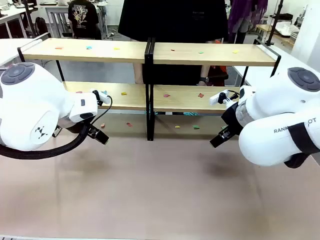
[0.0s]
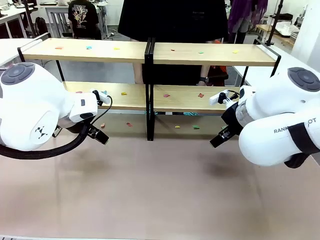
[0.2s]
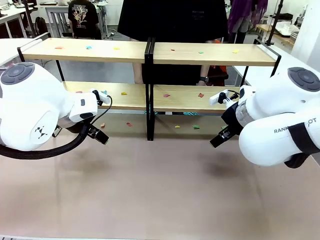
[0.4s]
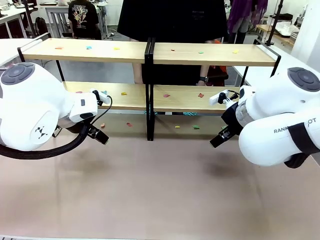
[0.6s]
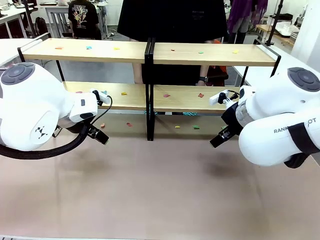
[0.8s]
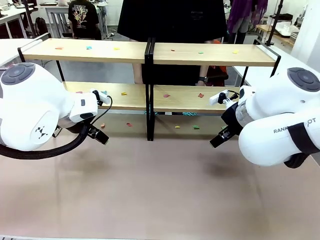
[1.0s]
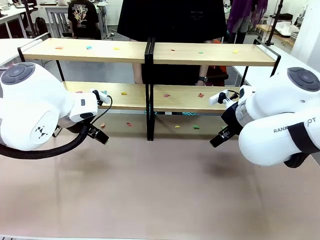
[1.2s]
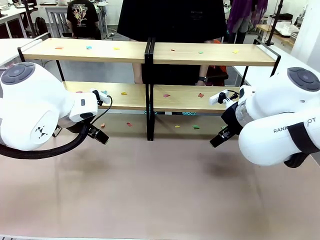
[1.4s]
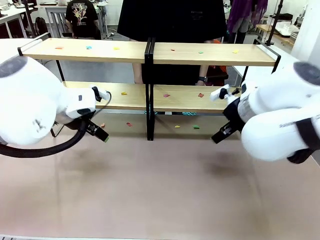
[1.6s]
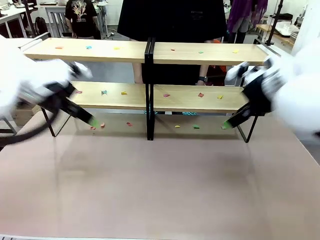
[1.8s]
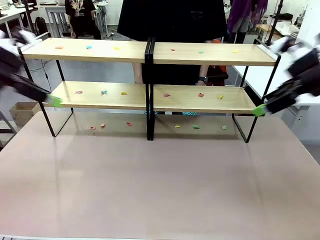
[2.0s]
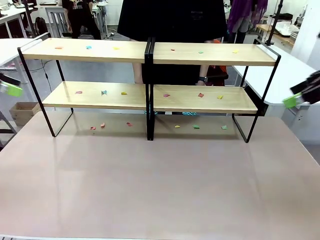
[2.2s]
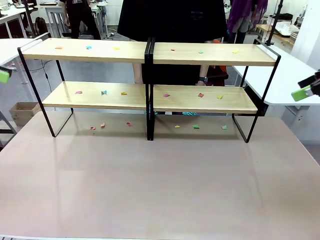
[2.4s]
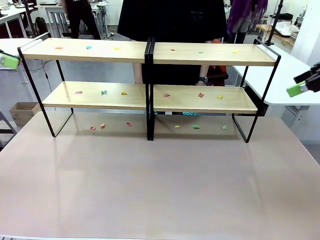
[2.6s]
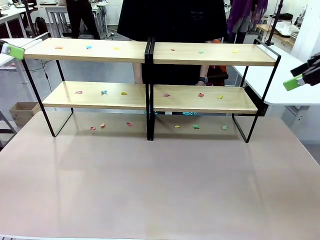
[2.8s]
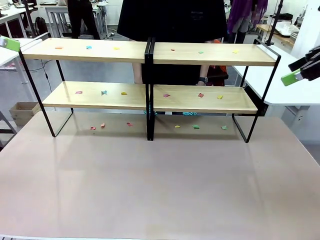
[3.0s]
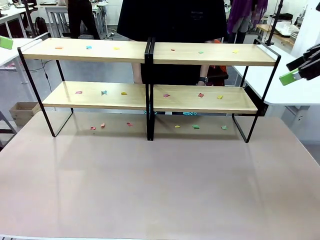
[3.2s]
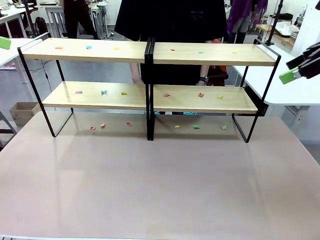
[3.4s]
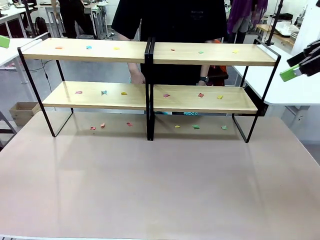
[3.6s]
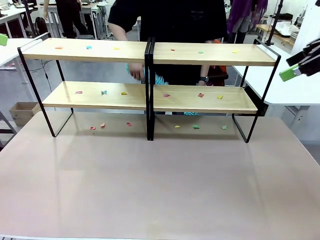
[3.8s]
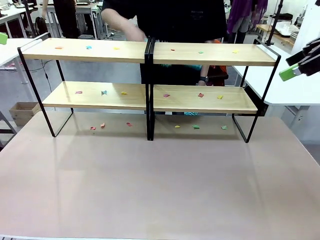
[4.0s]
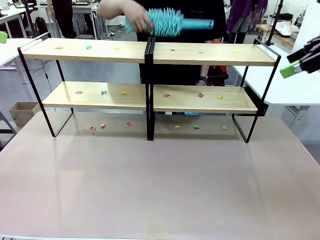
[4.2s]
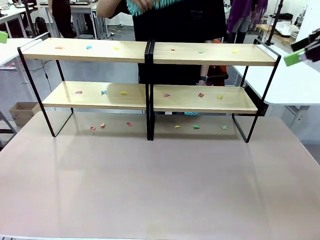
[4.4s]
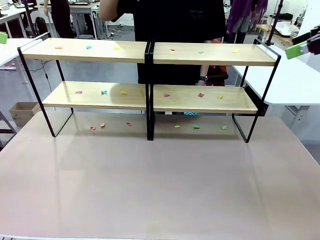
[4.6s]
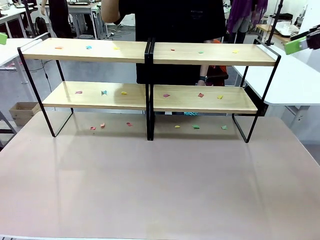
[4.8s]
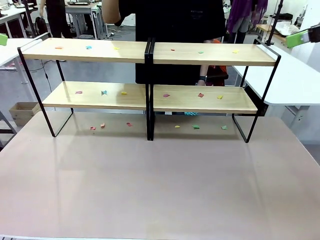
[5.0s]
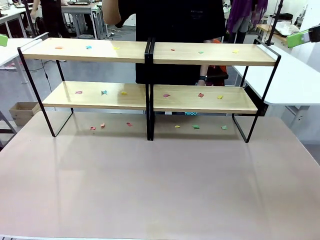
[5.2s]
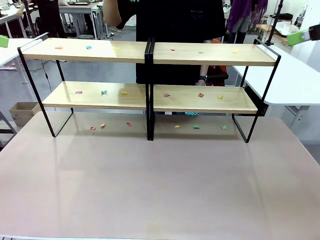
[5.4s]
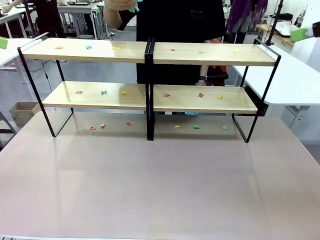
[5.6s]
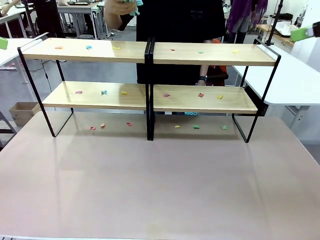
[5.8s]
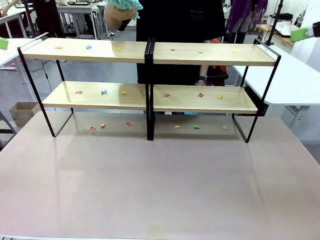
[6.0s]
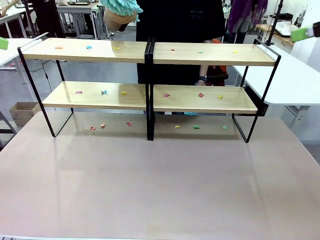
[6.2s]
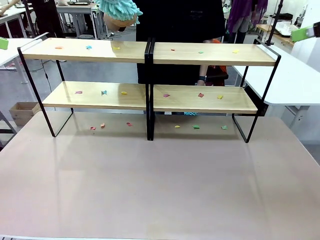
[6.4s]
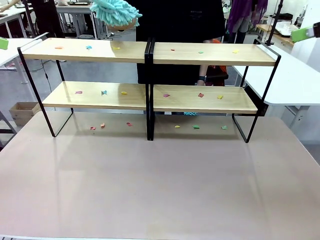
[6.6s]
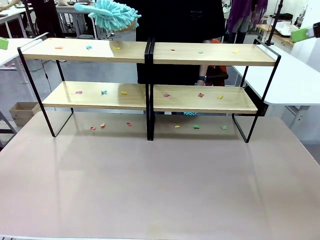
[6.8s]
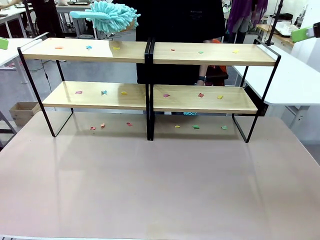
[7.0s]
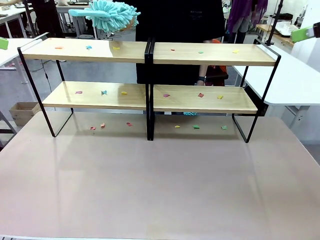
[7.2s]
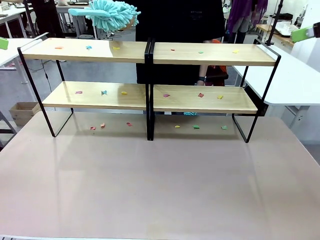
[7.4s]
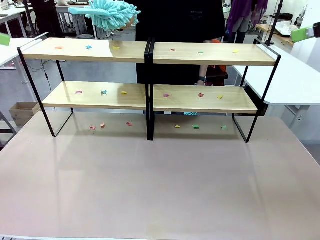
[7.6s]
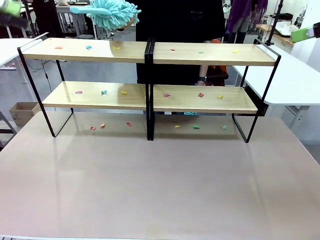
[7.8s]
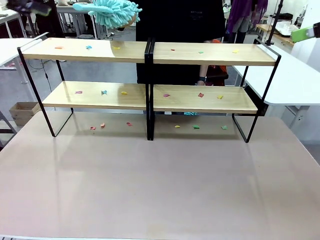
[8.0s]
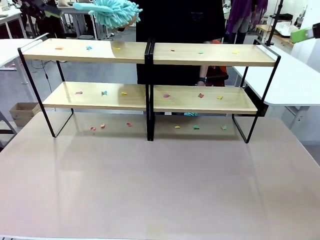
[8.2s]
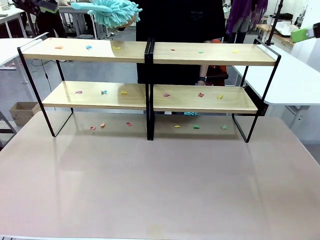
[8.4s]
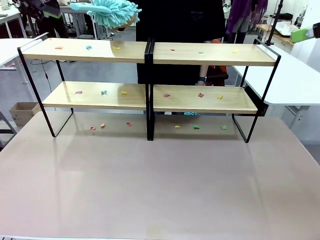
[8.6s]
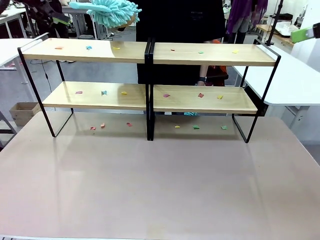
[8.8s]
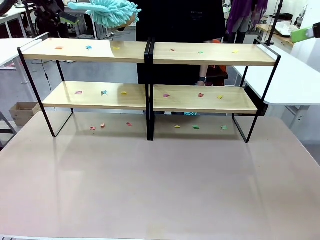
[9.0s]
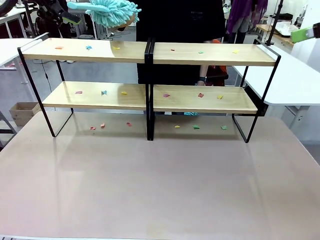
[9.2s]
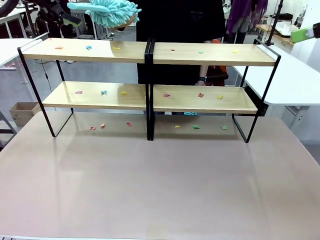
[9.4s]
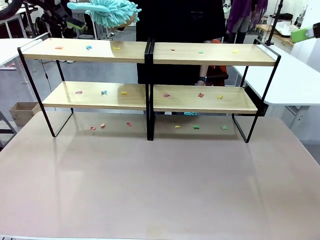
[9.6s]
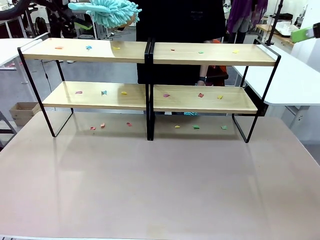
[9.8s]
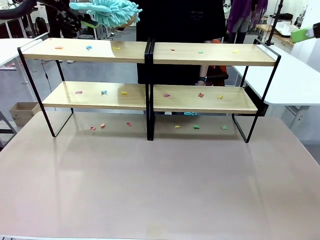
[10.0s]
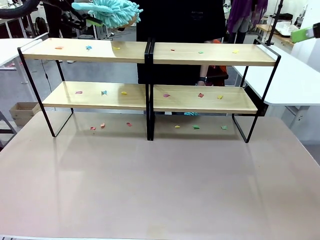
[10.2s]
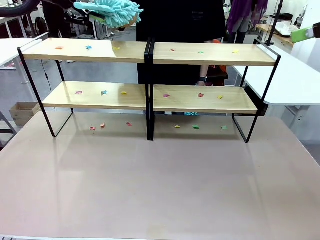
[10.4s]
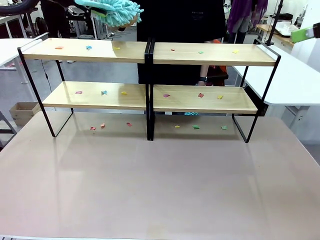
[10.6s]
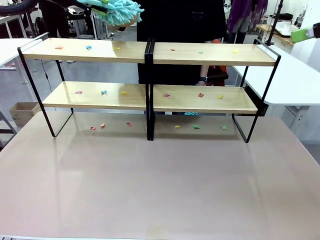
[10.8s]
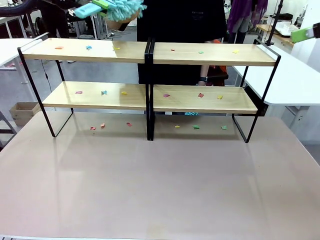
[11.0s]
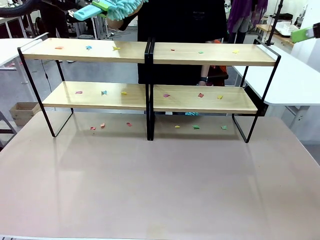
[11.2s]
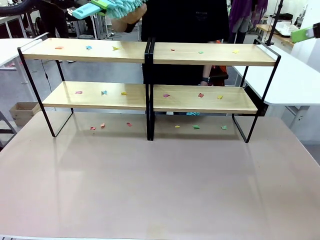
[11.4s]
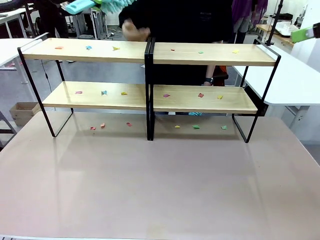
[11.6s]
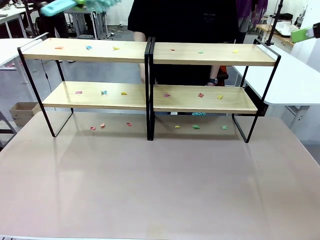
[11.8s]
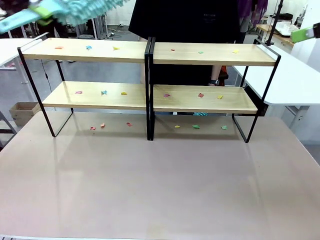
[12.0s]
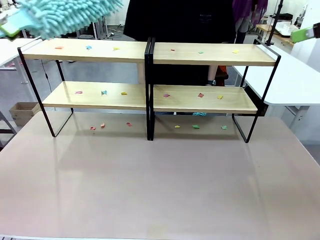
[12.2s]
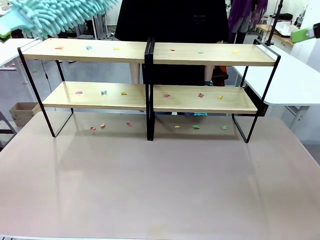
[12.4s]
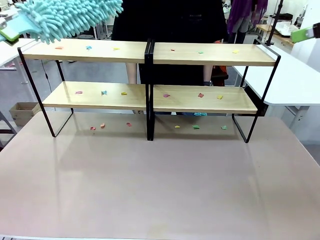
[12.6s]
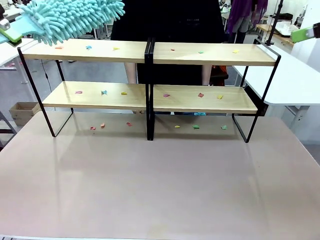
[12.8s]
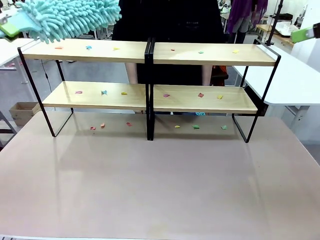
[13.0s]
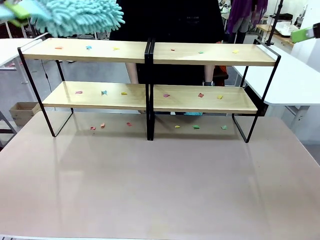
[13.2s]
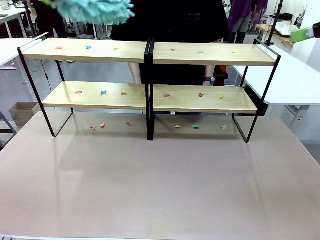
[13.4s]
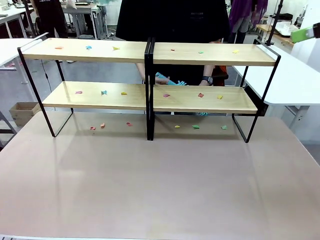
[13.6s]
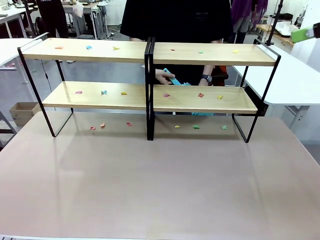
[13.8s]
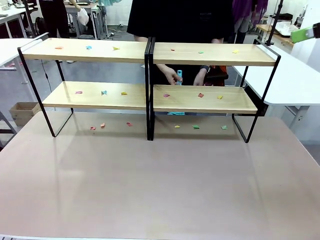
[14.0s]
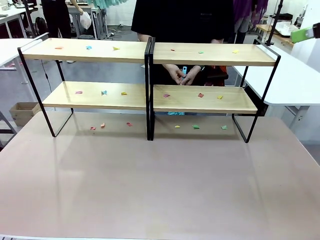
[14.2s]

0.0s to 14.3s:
Task: Clean the shelves.
Robot: Pick up the Duster when the human hands it over.
Person: Hand the Duster to the robot with your right (or left) hand.

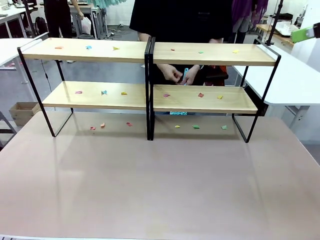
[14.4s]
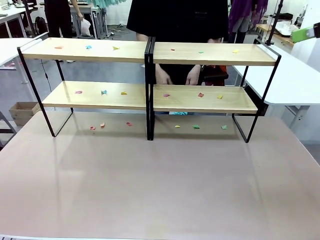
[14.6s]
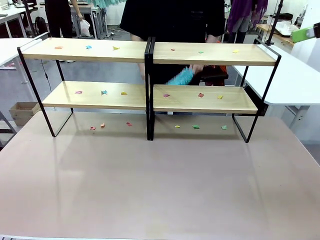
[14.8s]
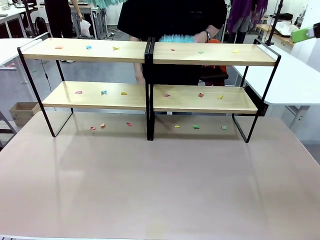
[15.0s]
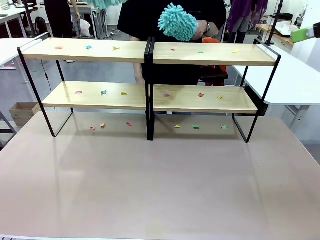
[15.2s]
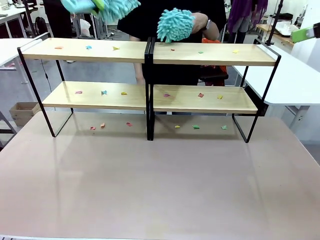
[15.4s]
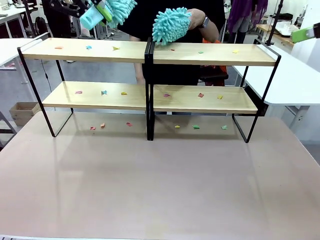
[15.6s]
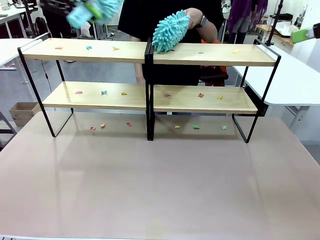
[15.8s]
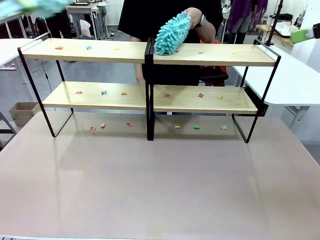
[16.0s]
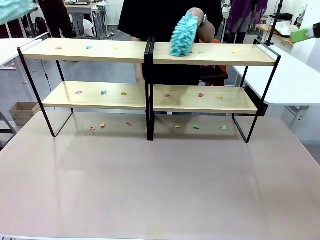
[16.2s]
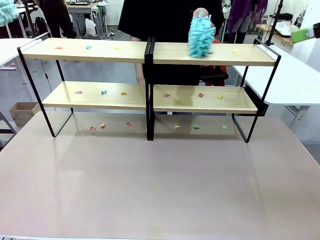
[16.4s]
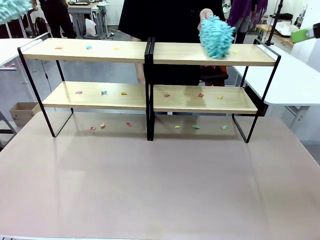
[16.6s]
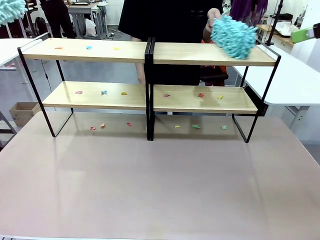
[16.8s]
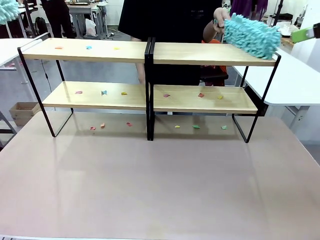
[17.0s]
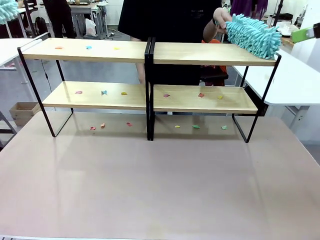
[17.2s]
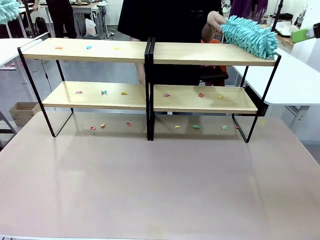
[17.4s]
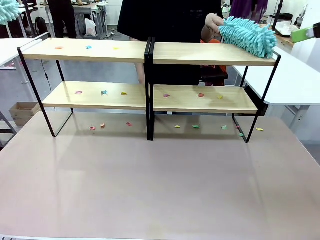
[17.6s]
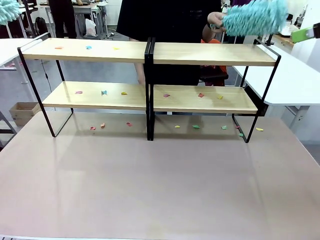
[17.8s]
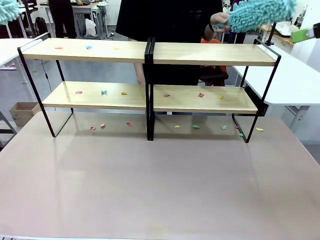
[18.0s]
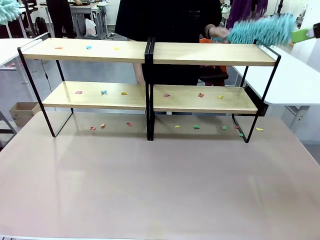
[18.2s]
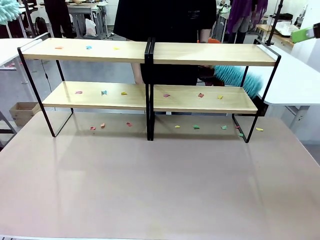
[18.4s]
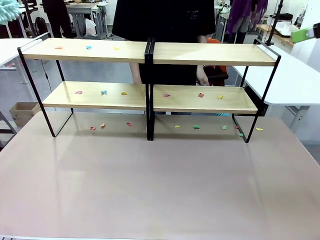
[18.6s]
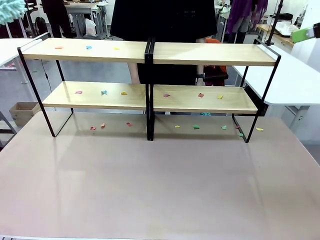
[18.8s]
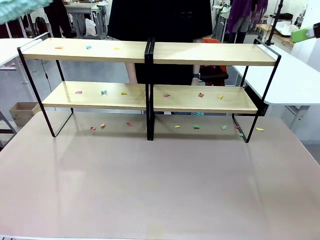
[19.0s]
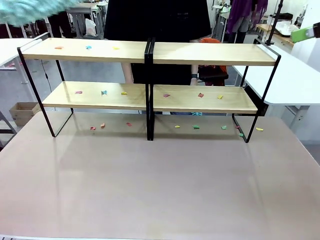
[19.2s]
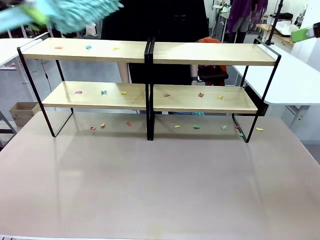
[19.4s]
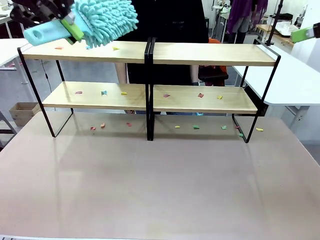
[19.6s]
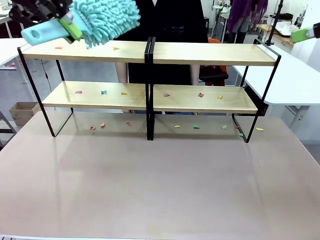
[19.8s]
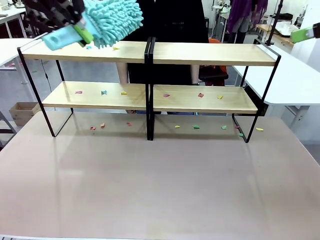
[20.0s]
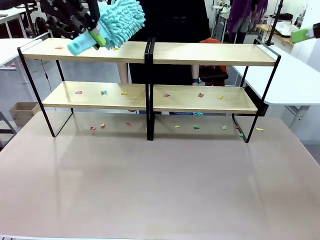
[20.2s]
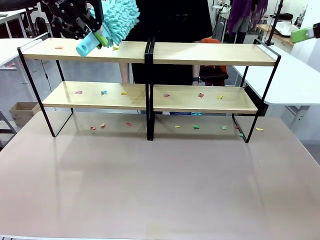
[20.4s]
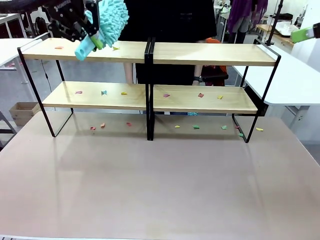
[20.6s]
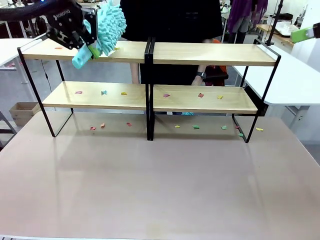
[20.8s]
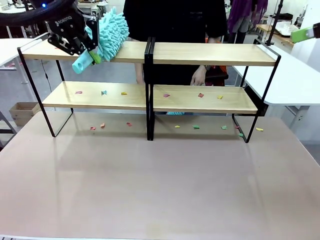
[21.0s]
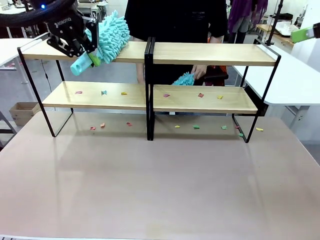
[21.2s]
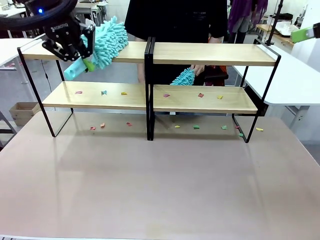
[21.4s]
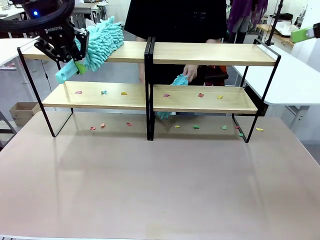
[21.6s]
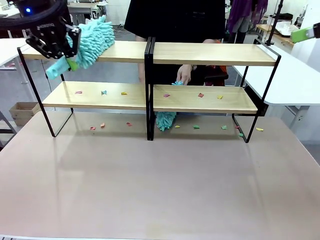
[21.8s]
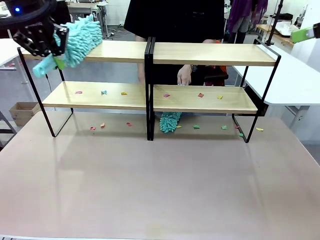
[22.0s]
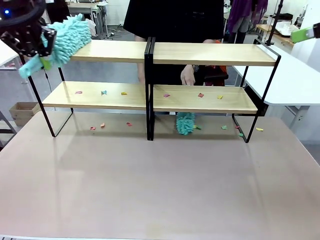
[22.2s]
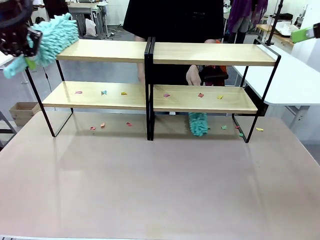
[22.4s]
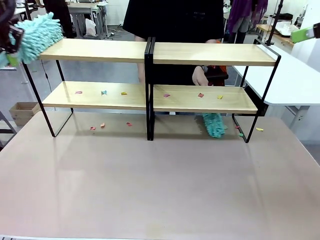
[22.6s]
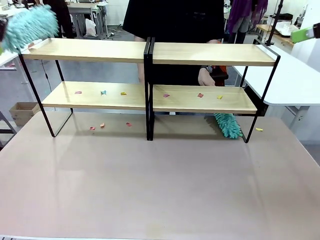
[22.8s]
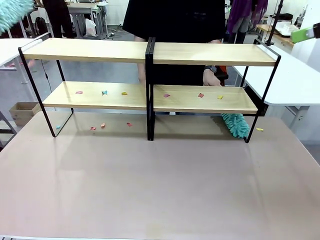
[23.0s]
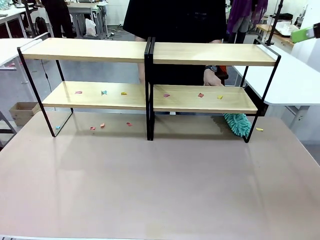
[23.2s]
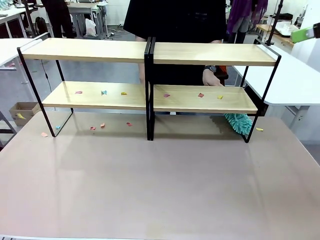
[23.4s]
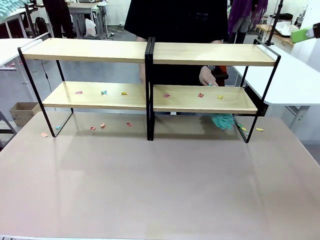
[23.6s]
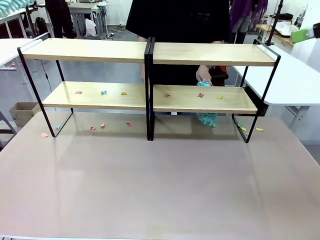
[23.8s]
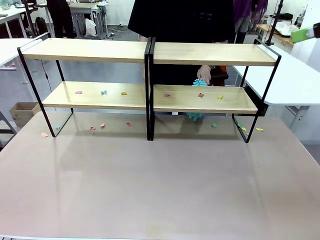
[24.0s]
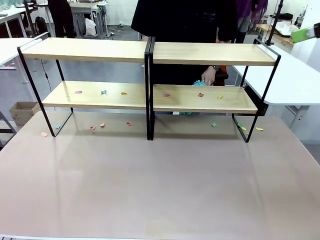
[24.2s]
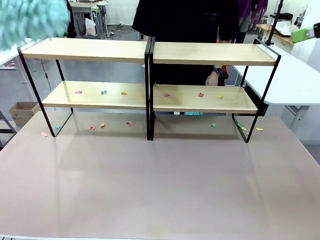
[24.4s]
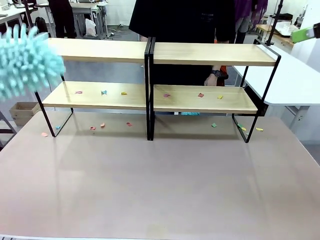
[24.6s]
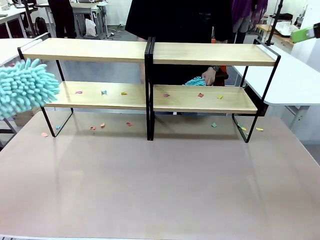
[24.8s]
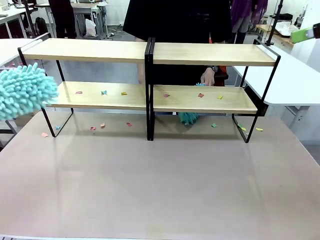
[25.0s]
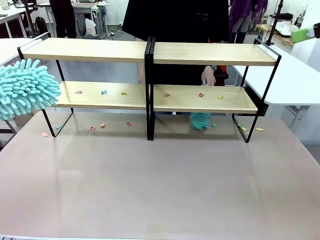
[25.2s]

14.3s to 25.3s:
Robot: Clean a randomly selected level of the Shelf with the Duster.
